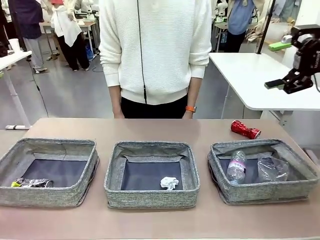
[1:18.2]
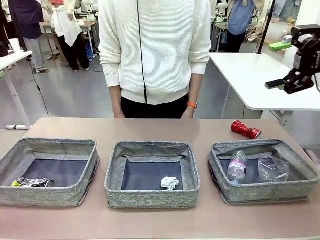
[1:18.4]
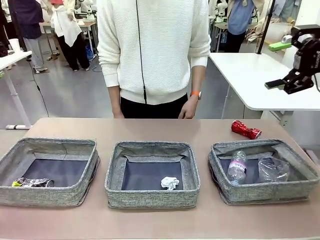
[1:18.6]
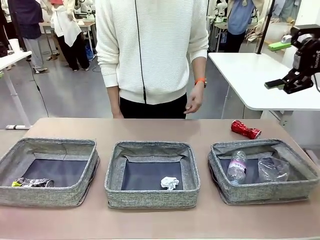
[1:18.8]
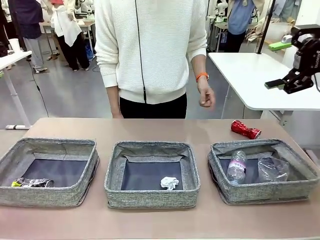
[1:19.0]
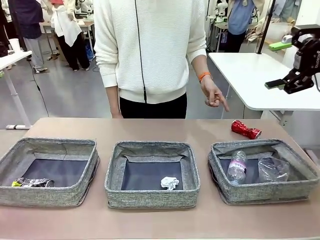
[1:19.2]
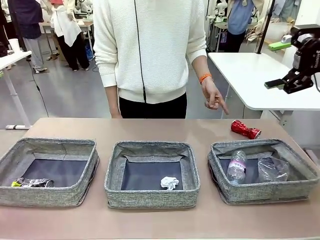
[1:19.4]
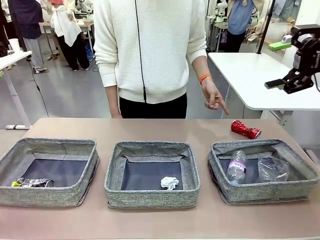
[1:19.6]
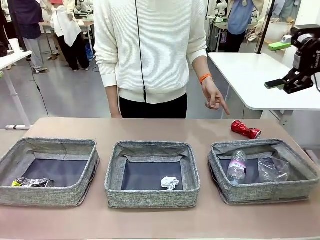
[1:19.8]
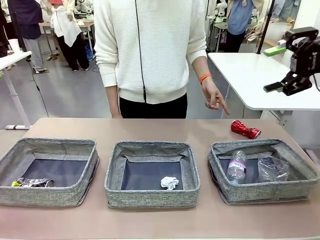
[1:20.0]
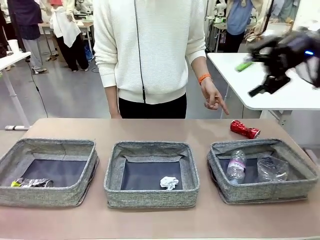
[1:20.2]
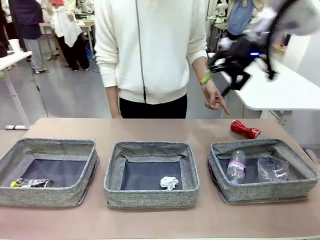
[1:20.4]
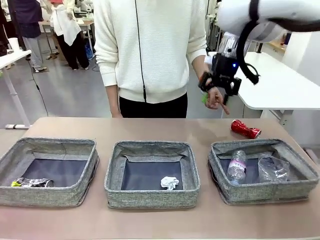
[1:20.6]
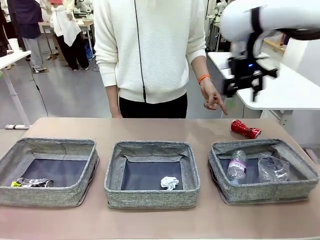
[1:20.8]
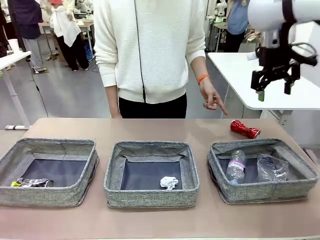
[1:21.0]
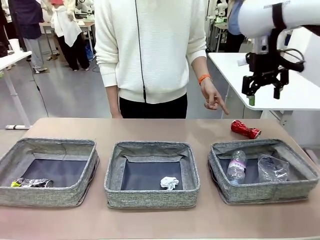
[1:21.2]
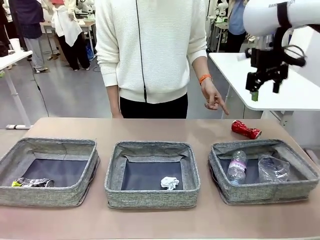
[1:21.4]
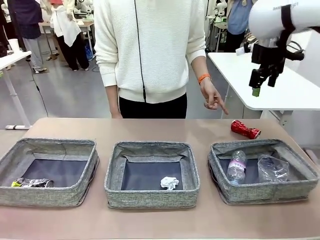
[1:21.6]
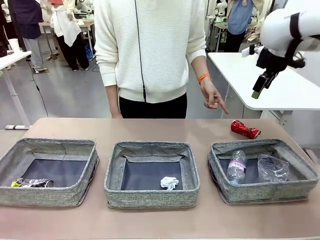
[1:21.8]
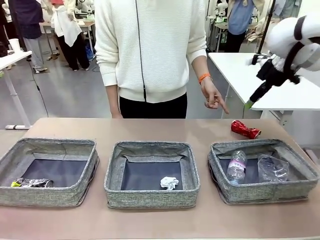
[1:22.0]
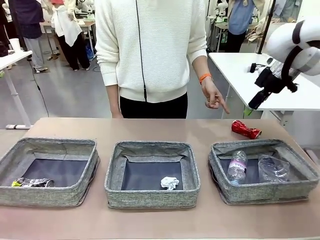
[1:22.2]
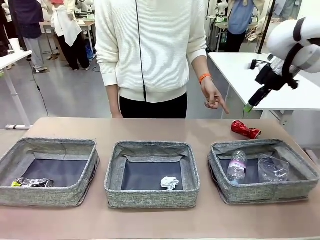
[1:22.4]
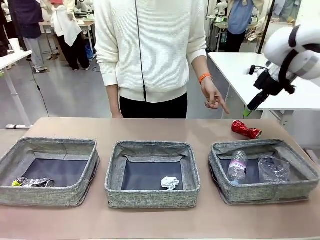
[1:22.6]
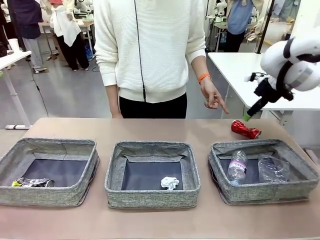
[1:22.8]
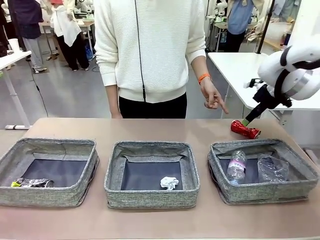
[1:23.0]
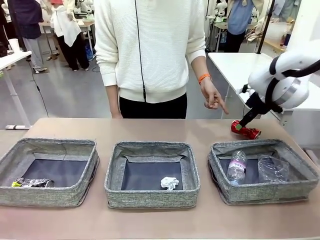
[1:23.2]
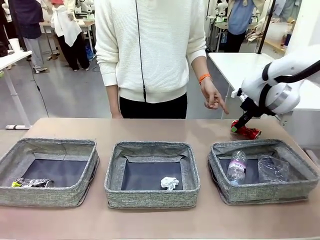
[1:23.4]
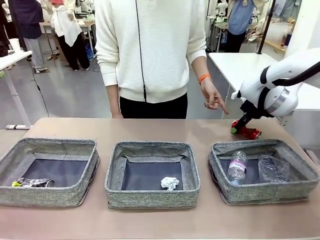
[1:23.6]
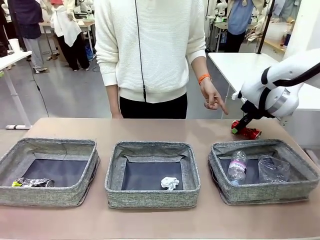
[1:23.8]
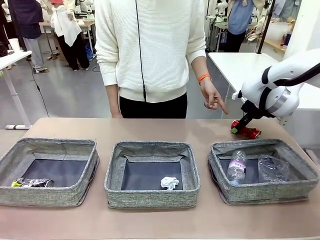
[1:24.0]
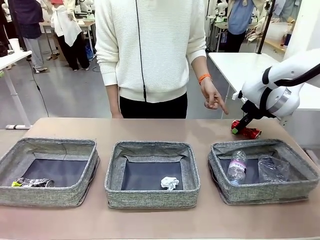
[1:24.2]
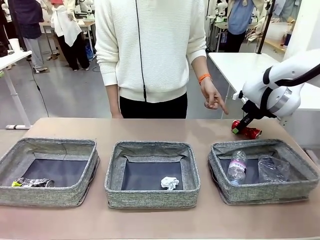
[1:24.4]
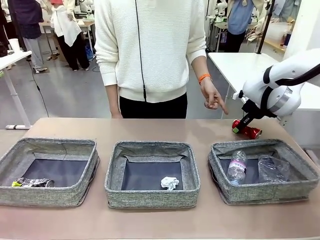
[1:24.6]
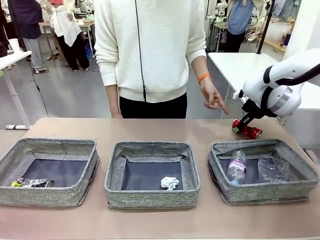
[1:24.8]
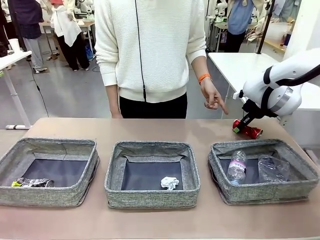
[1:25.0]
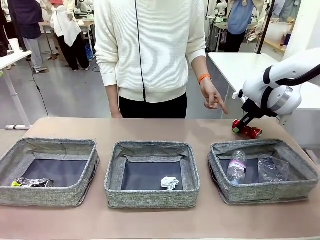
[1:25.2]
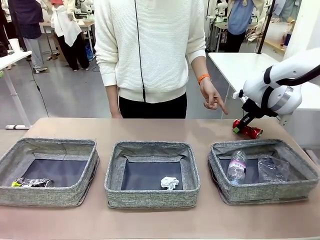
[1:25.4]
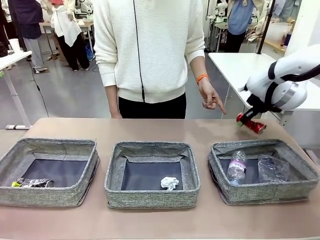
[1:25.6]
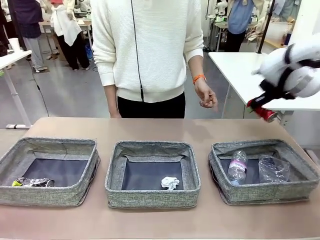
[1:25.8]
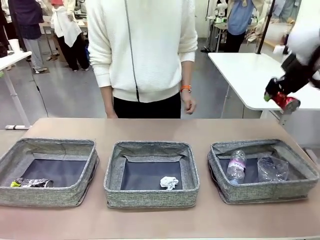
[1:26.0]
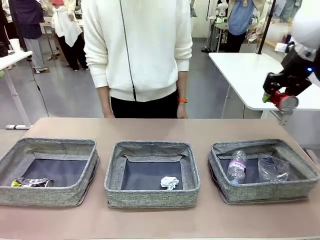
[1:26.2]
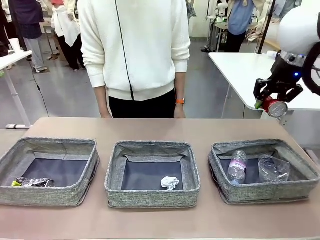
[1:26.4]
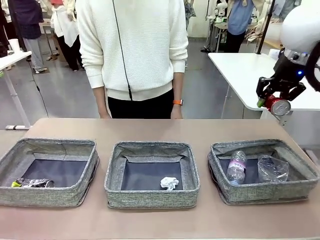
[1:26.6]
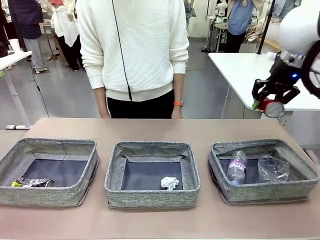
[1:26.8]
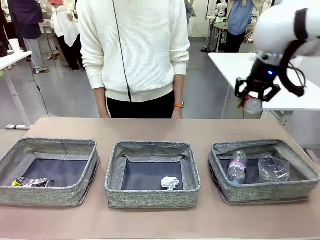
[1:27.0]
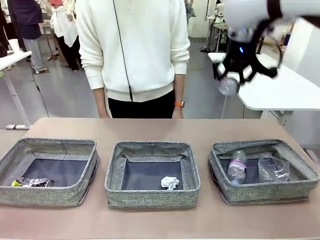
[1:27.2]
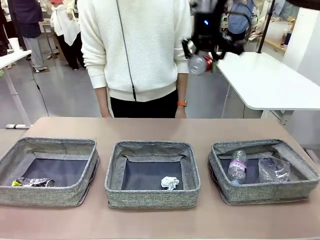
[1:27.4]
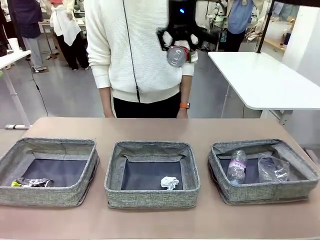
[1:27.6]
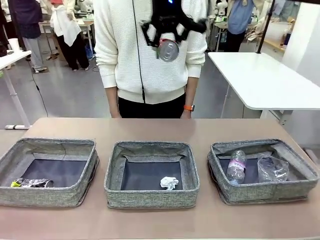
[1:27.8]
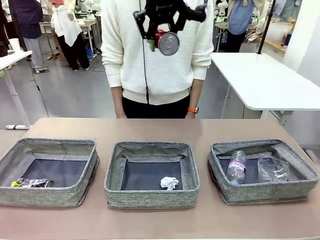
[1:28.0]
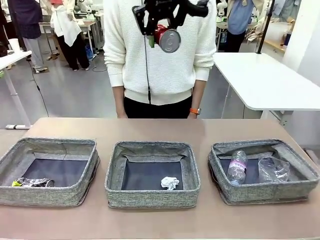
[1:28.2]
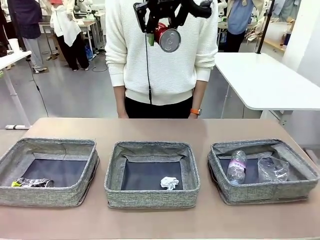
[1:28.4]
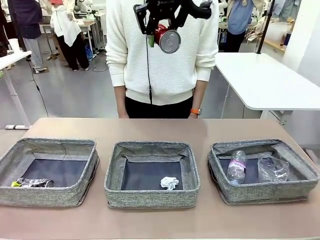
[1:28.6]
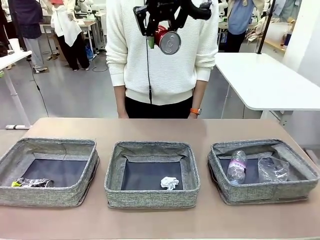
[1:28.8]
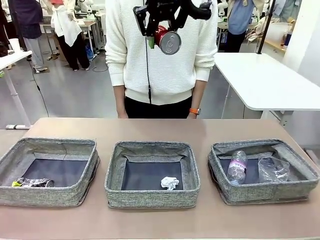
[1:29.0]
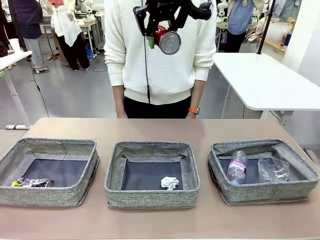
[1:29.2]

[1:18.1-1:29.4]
Task: Sort the waste into the appropriate baskets.
Robot: Pick up the waste item pointed out by the person.
Person: Points to one piece of trash on the table.

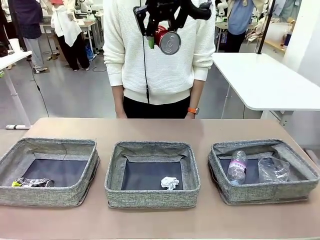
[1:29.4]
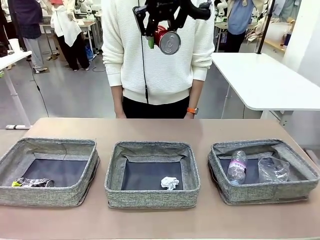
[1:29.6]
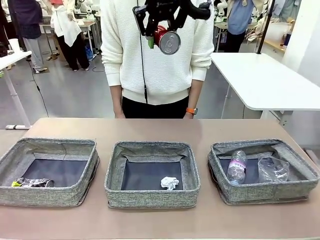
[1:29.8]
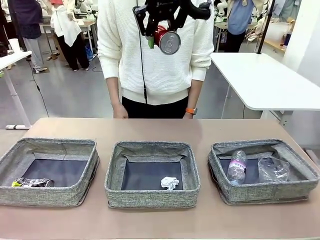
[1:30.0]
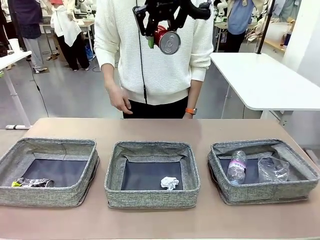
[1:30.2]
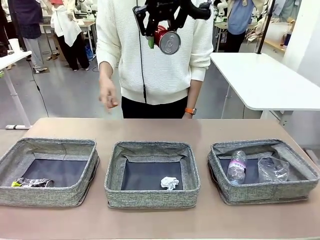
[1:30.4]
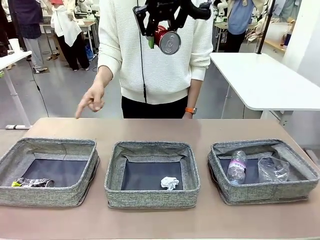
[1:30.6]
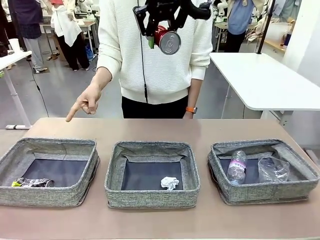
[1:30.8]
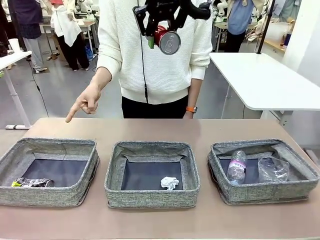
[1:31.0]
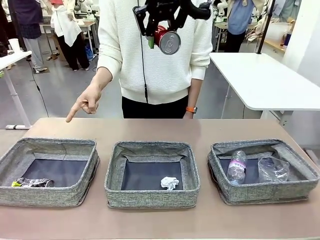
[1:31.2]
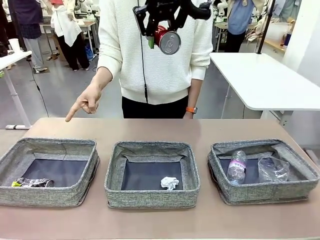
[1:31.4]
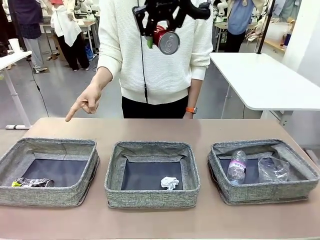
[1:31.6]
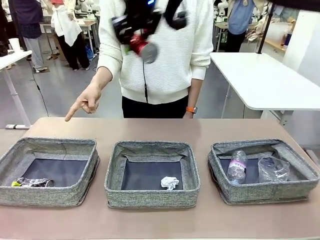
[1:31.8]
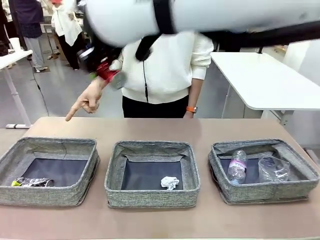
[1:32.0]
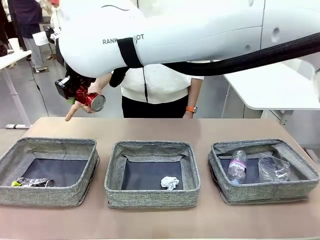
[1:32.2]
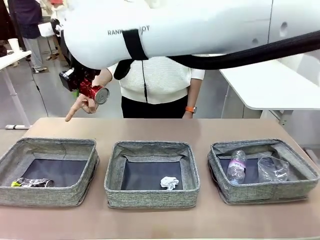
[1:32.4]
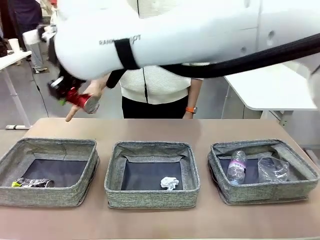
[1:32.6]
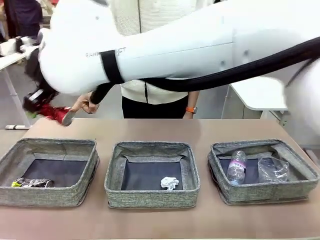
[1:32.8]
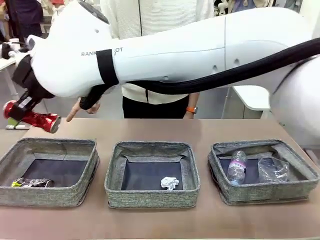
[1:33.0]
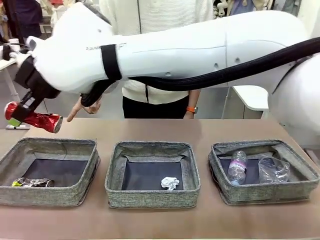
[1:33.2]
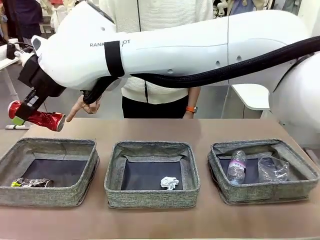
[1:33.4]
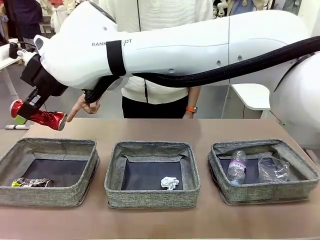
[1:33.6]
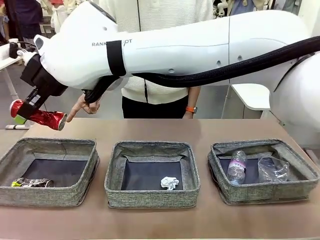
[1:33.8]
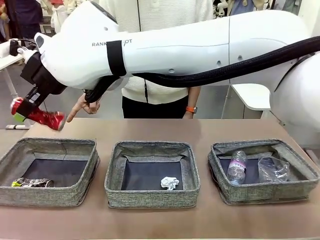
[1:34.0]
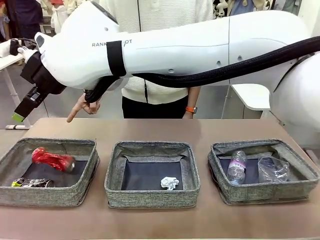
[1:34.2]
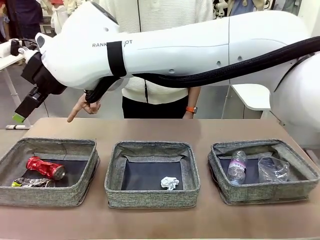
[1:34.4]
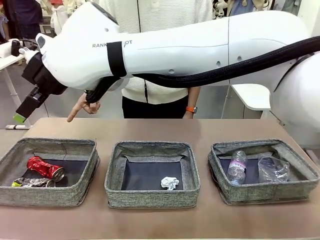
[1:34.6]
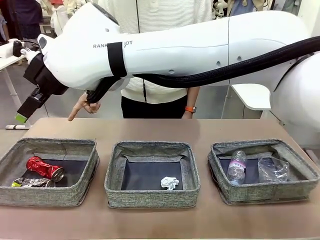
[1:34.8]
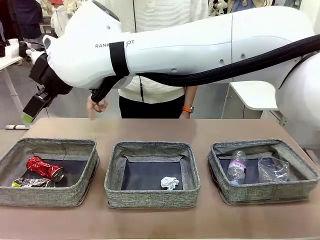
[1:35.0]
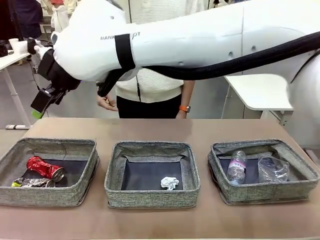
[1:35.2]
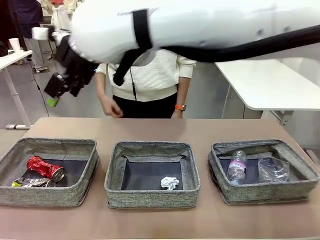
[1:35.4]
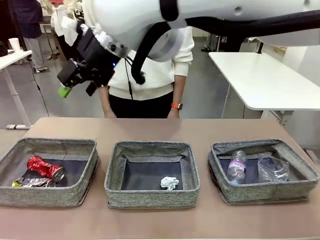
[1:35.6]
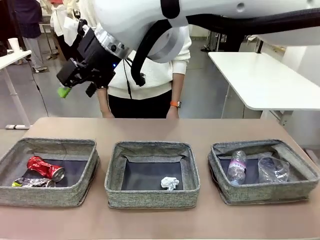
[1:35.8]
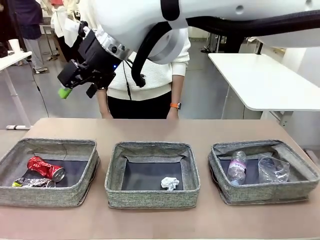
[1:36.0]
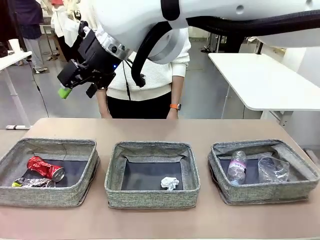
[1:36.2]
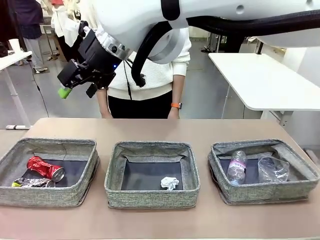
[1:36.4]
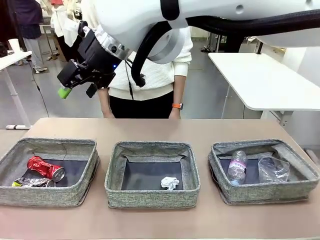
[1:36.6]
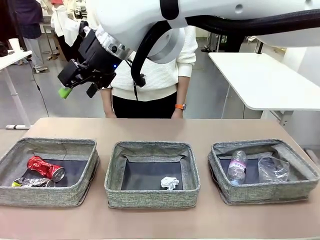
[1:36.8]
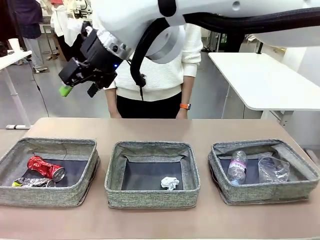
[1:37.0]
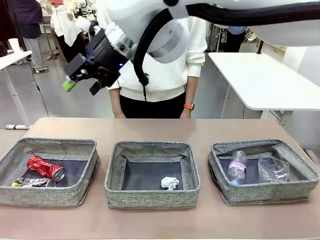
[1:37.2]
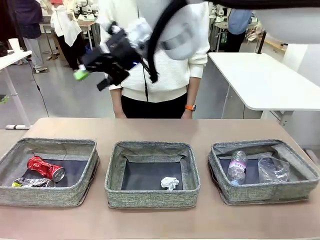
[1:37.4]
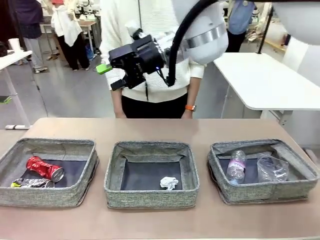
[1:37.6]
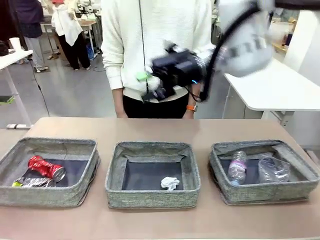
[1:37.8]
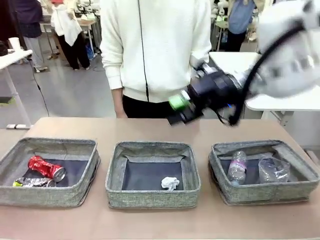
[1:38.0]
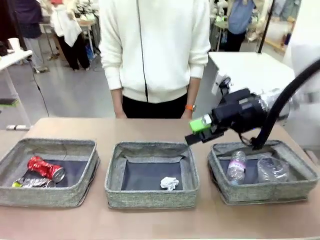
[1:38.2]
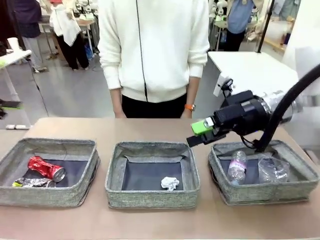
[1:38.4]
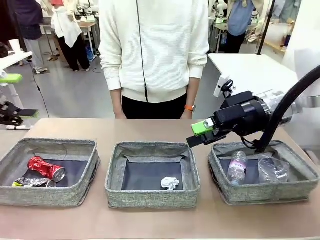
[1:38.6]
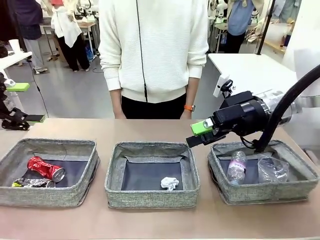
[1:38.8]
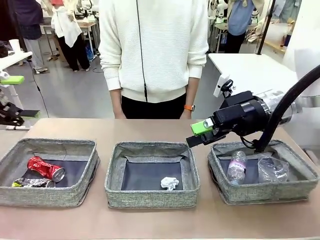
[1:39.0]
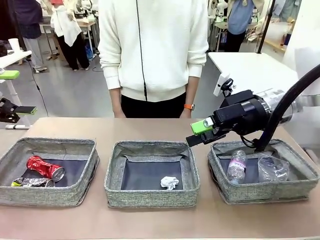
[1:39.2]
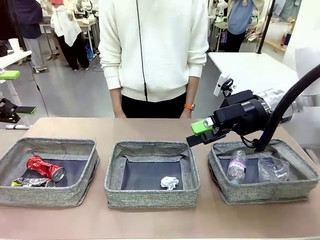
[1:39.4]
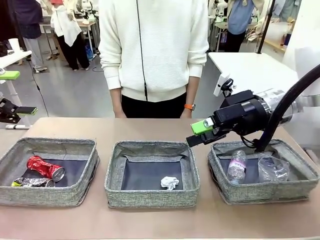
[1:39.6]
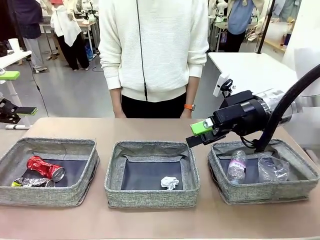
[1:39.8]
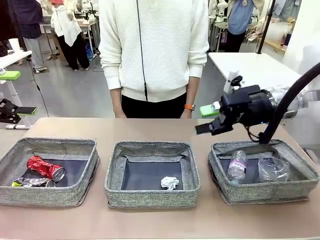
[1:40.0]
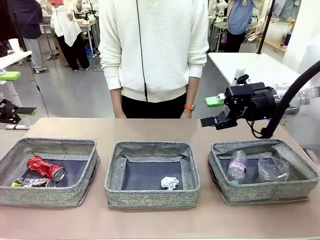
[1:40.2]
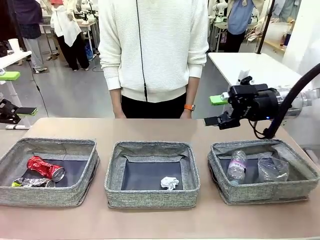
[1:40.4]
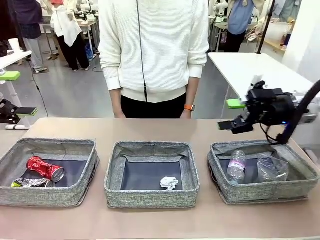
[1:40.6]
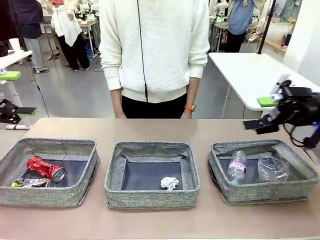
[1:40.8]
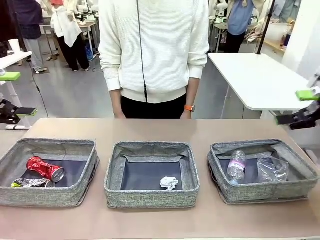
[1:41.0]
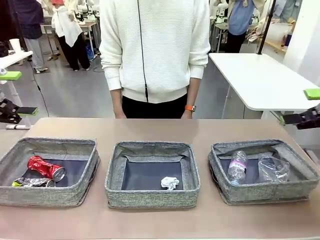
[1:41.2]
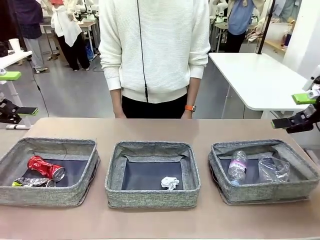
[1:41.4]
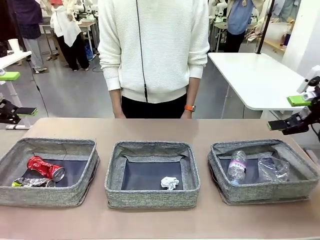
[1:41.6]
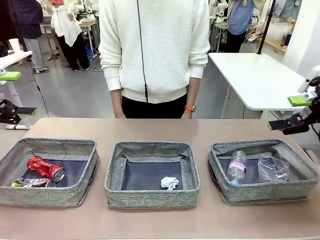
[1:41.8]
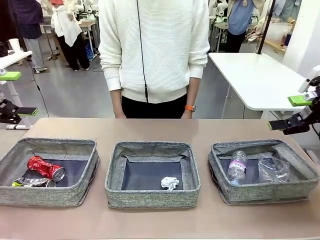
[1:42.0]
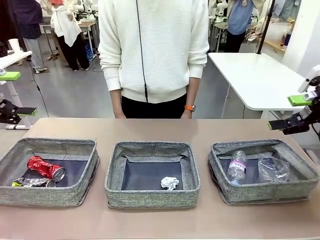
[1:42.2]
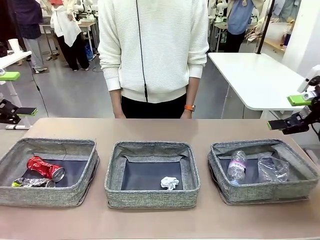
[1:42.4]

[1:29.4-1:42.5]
Robot: Place the picked waste into the Fabric basket indicated by the person.
Person: Instructs the robot to place the picked-up trash into the appropriate organizing basket.
